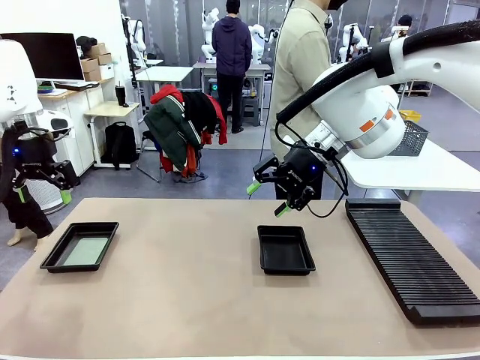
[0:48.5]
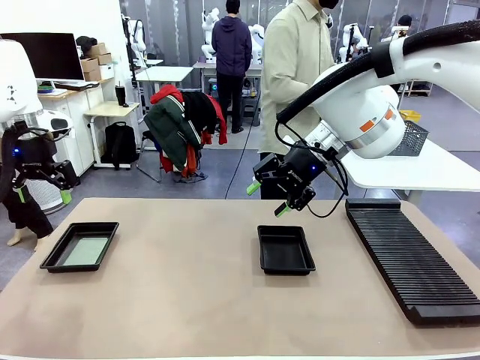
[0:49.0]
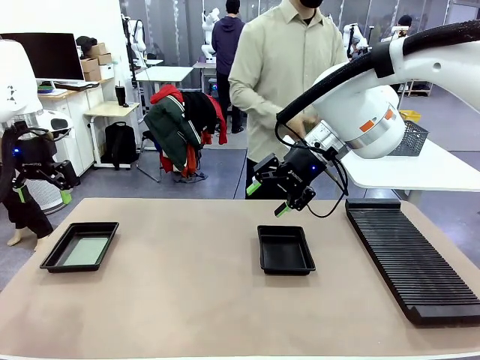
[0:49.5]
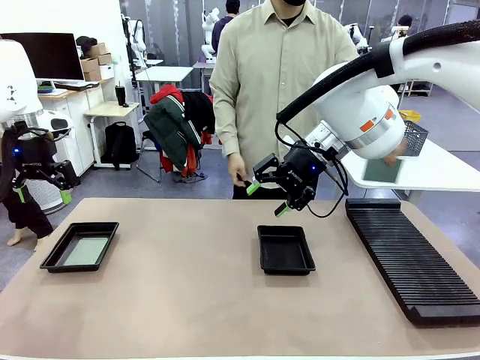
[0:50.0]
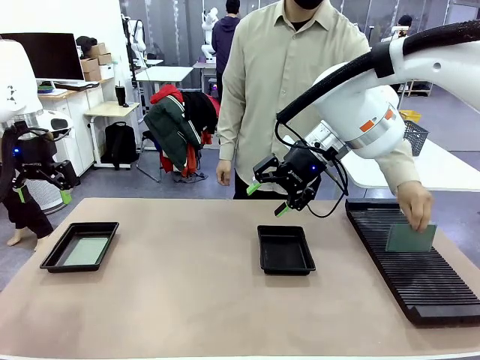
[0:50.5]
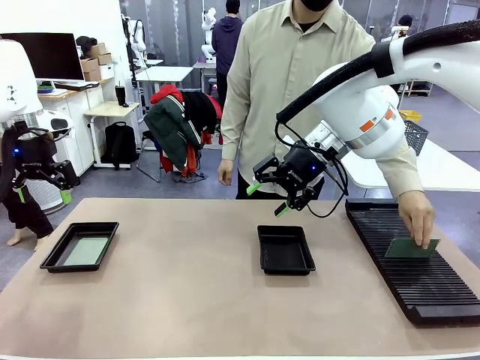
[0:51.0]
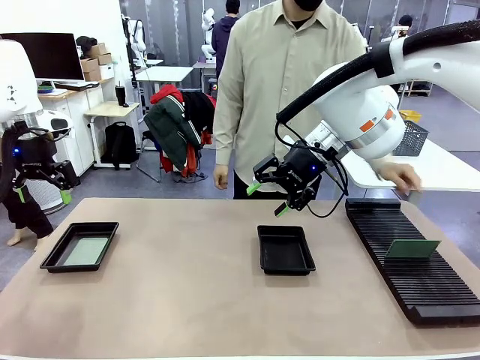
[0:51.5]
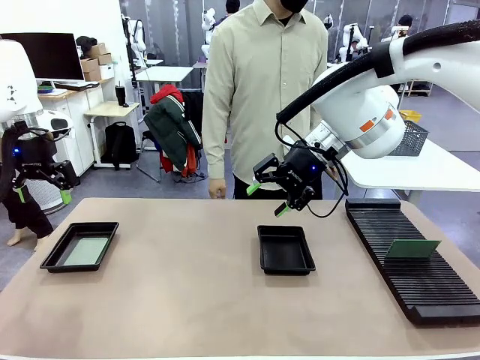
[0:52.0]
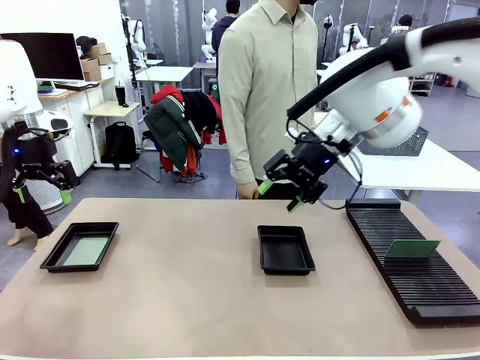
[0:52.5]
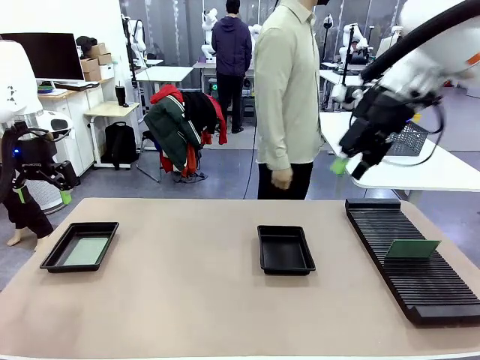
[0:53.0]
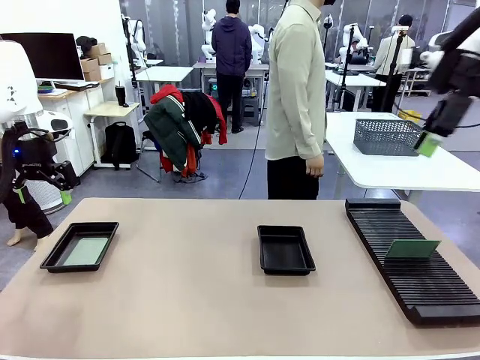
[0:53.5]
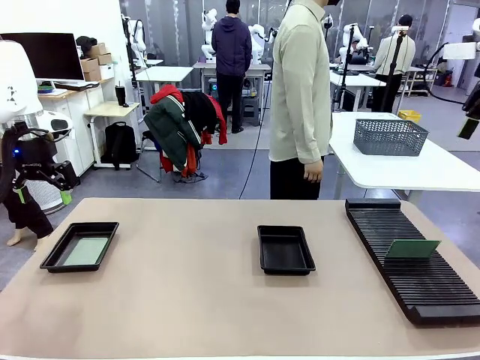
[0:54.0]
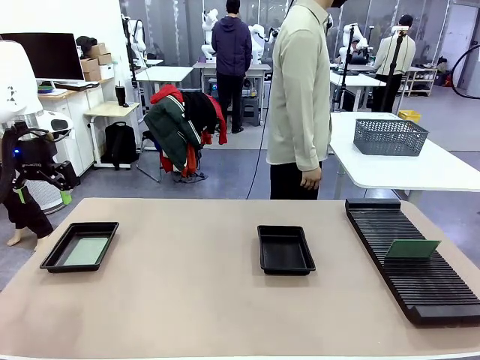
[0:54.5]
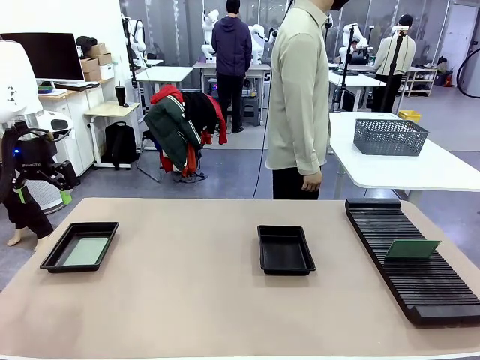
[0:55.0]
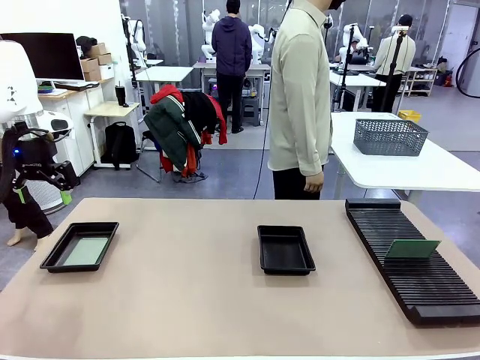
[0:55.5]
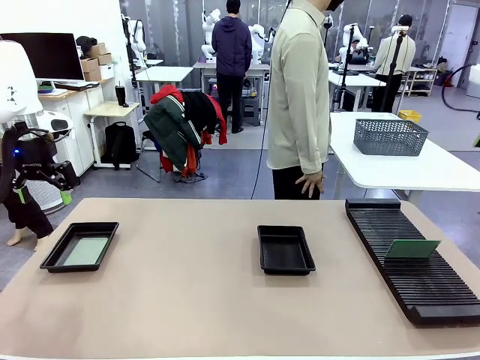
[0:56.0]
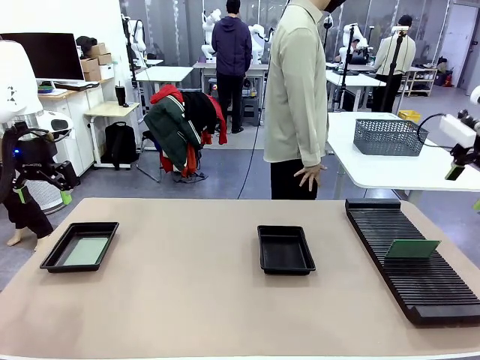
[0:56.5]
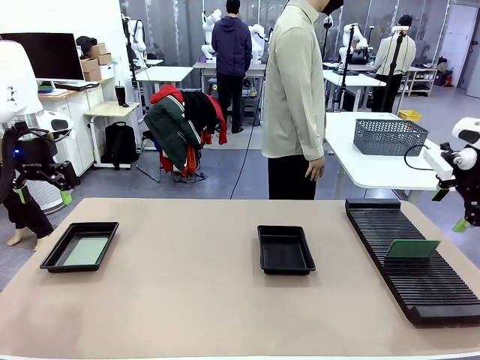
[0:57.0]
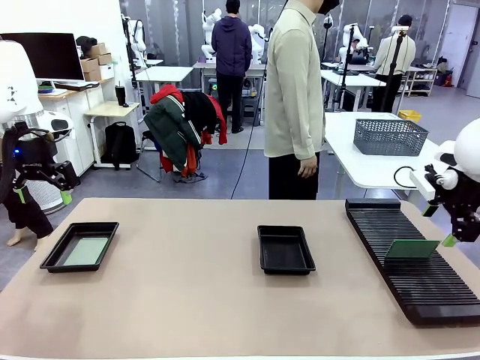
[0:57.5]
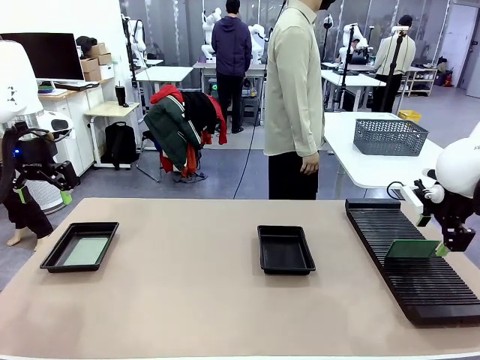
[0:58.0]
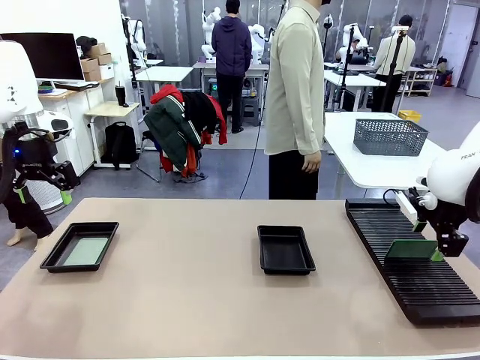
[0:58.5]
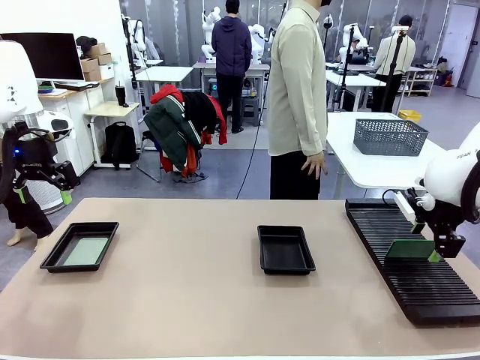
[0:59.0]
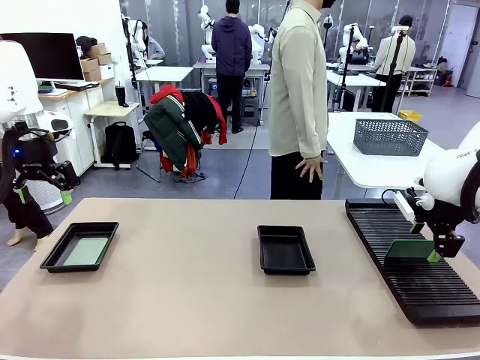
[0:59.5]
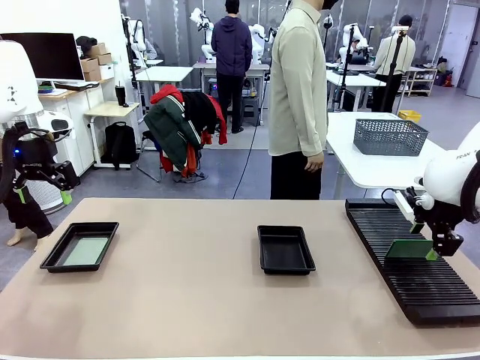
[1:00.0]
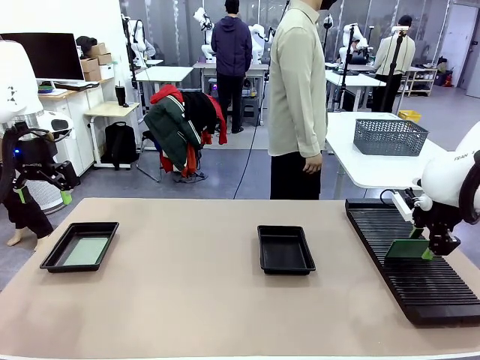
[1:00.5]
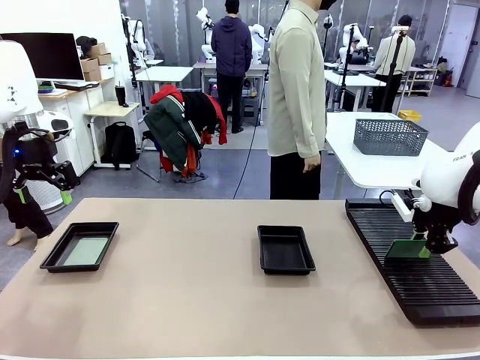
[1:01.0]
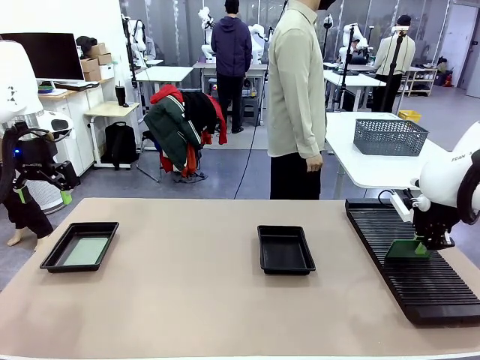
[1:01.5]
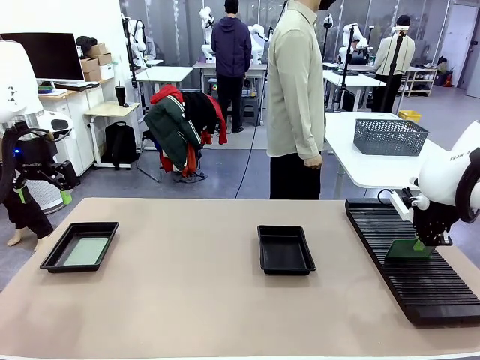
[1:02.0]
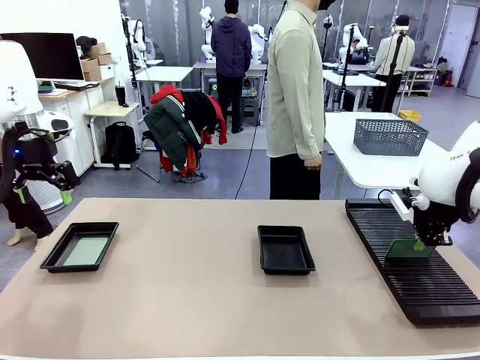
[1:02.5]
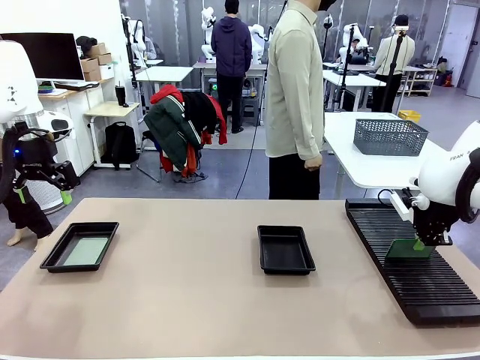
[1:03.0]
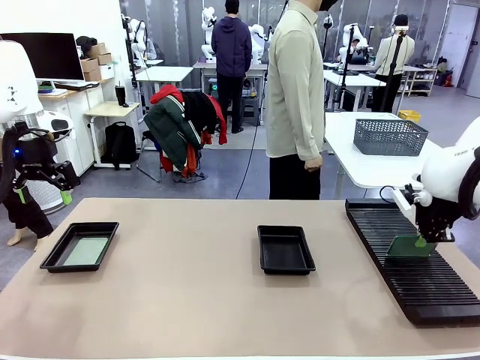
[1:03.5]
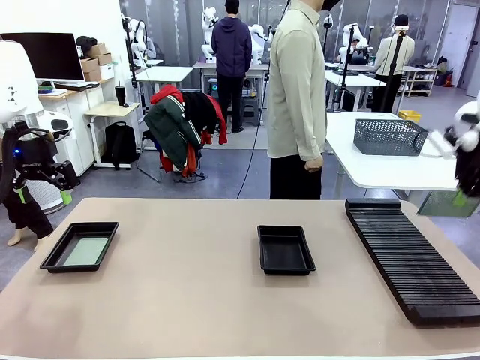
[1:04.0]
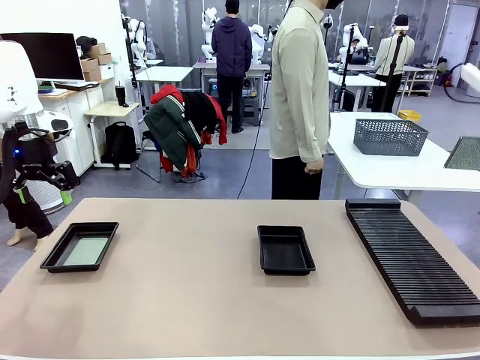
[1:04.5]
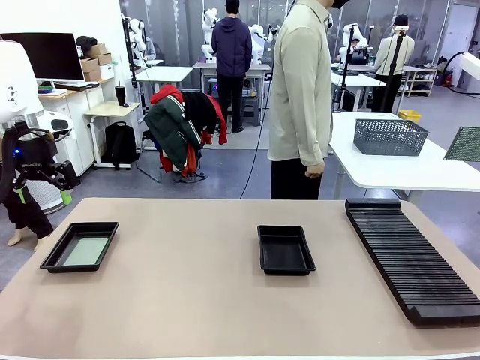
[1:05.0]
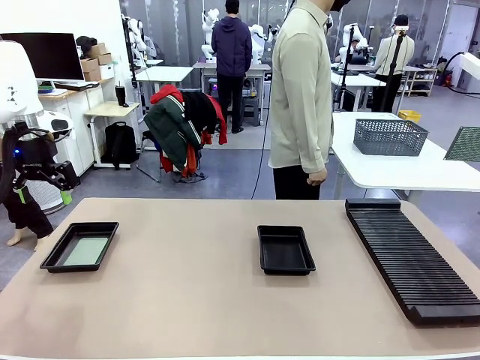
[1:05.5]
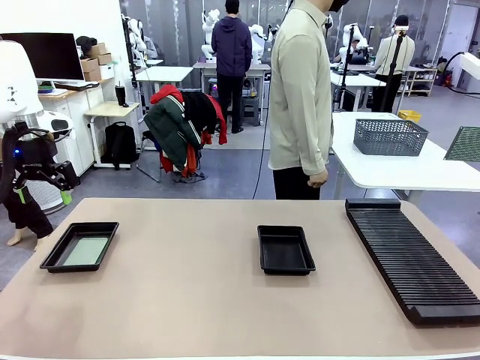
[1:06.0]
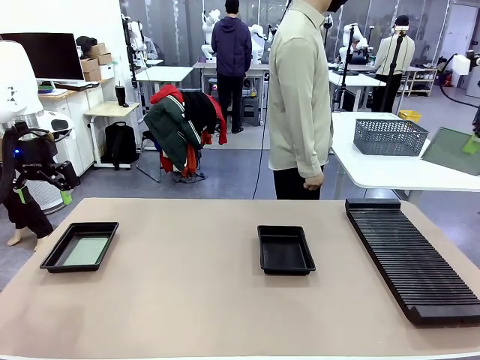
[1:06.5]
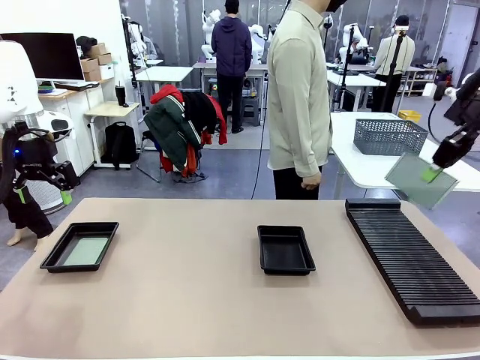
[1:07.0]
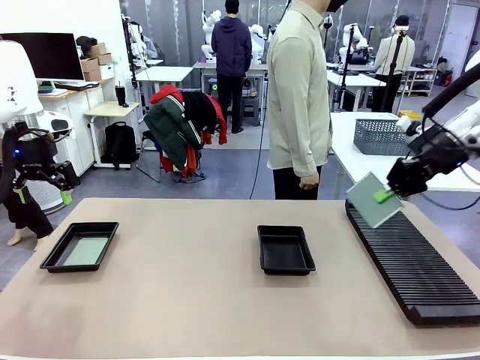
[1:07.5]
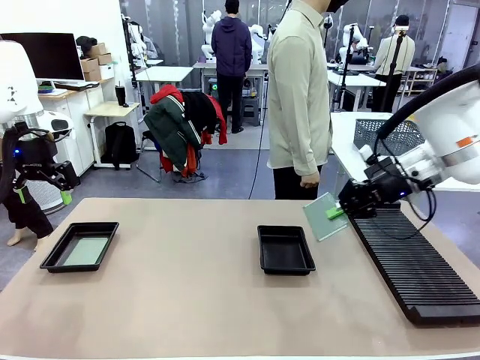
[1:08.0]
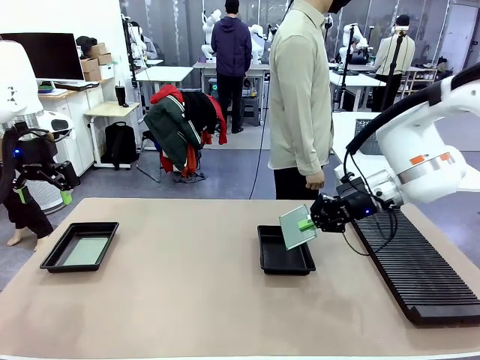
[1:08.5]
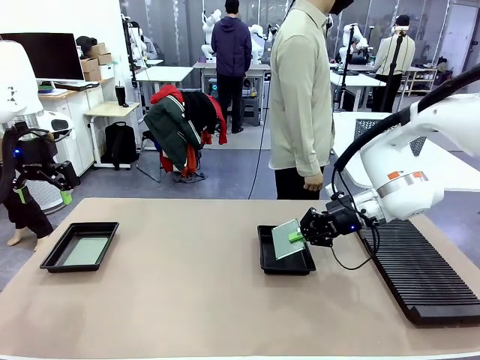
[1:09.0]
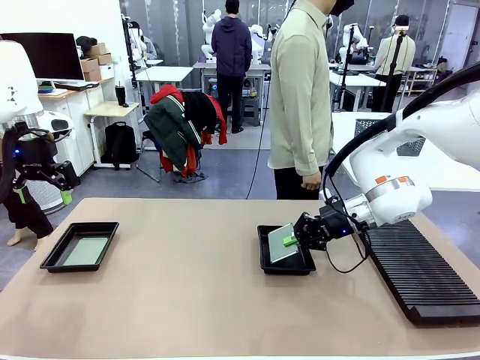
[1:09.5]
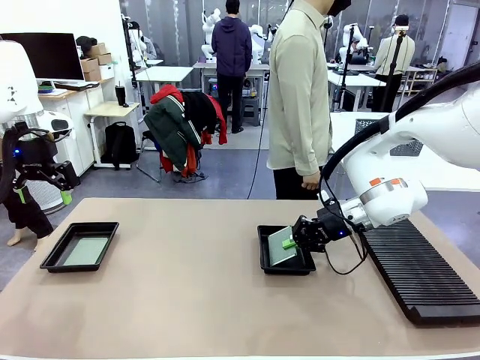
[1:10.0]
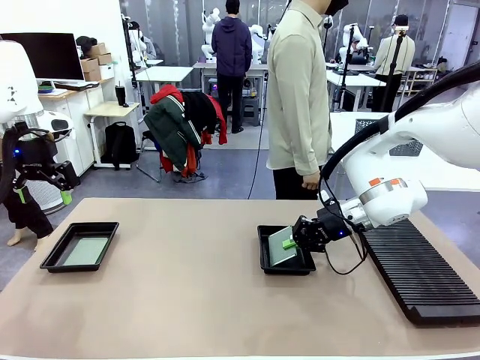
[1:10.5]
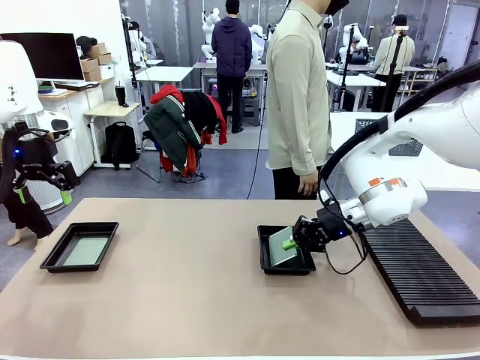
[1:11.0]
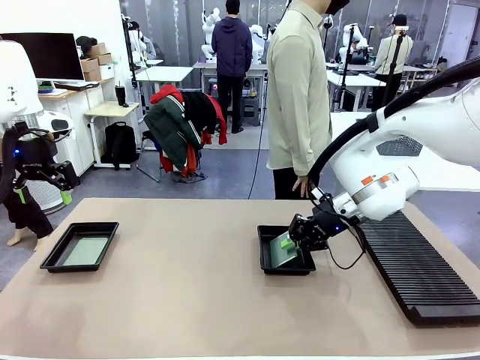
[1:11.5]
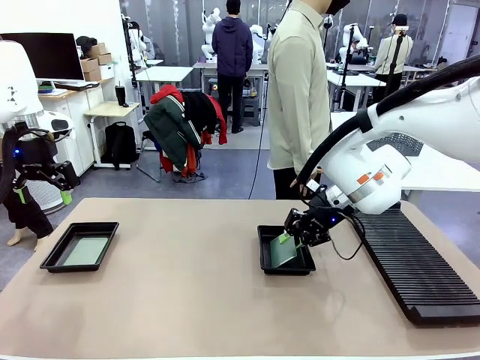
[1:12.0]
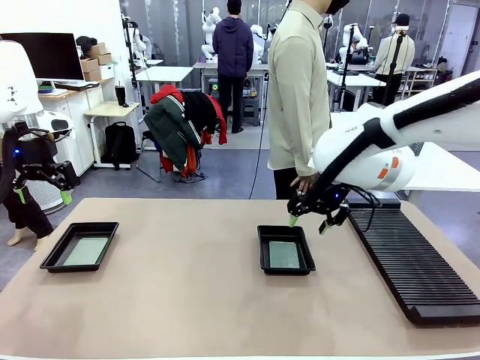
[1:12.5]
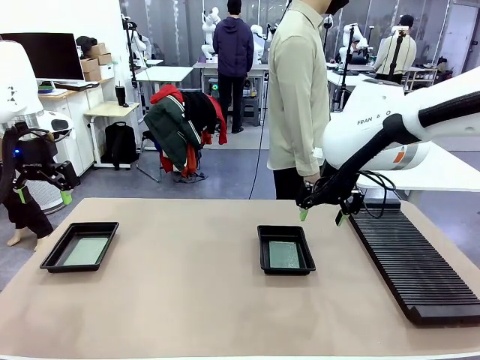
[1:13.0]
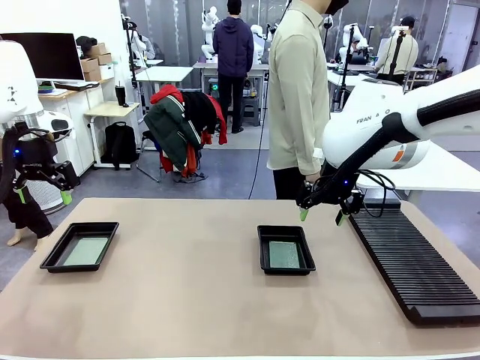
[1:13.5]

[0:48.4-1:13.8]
Task: Inspect and transfer BCBs to ESD trays.
Robot: Pick up the Blank PCB from the PCB Rack and place it in the right ESD tray.
